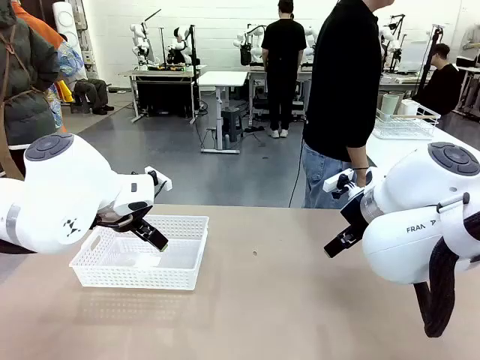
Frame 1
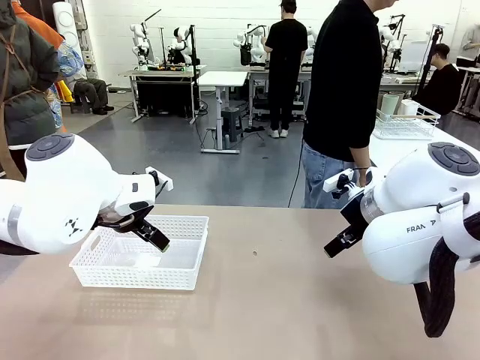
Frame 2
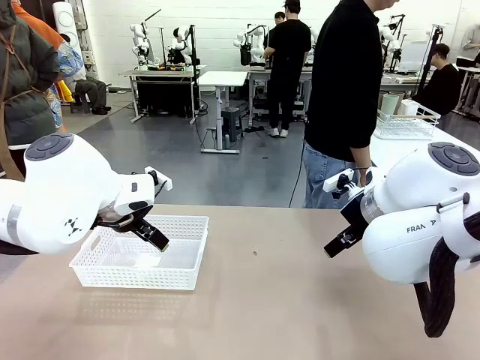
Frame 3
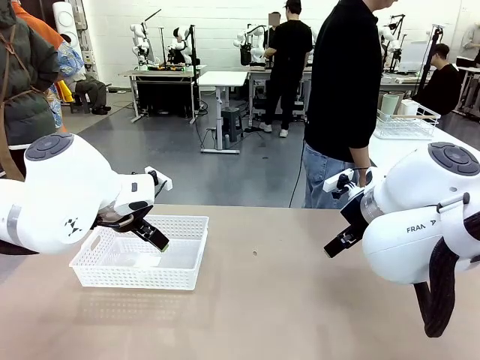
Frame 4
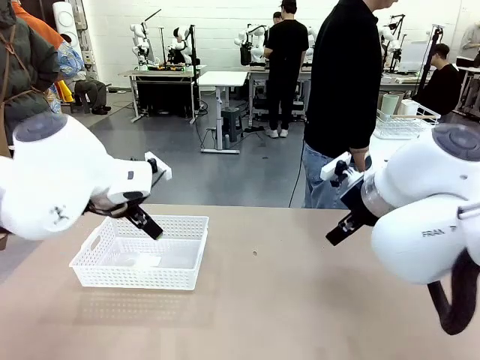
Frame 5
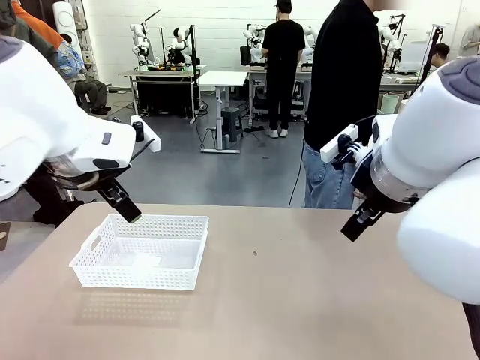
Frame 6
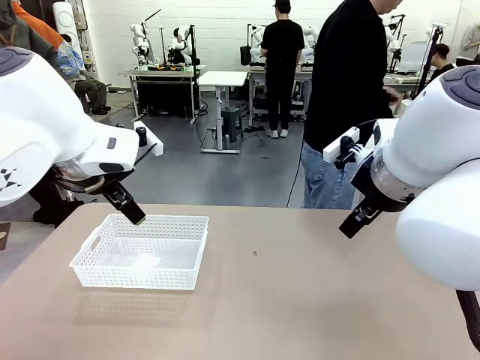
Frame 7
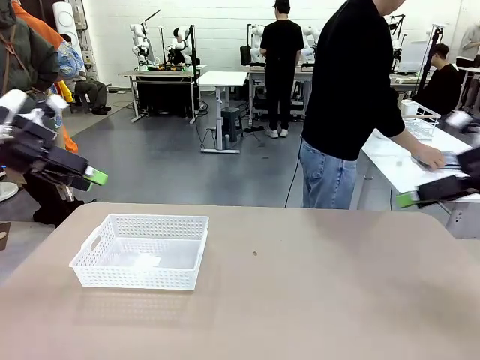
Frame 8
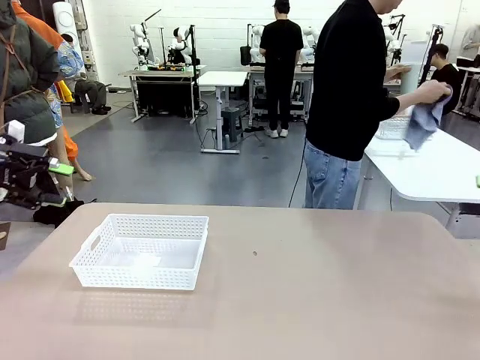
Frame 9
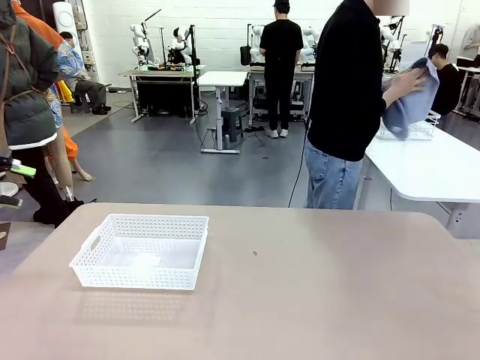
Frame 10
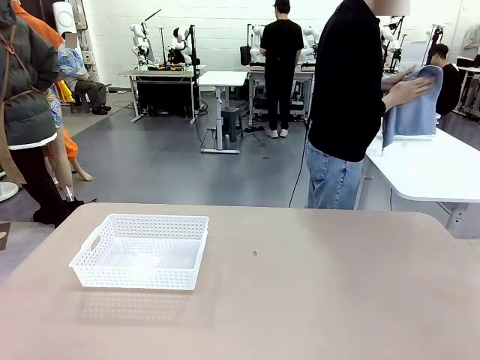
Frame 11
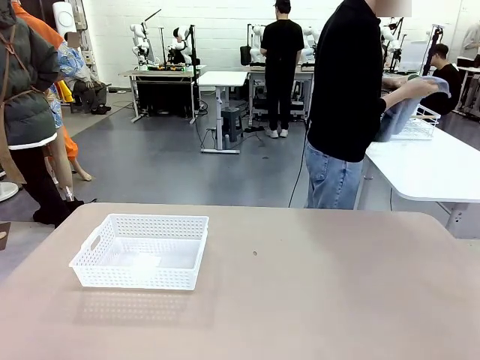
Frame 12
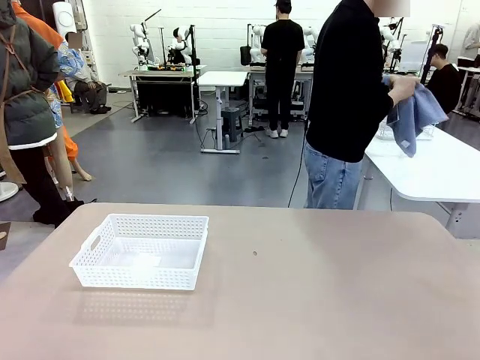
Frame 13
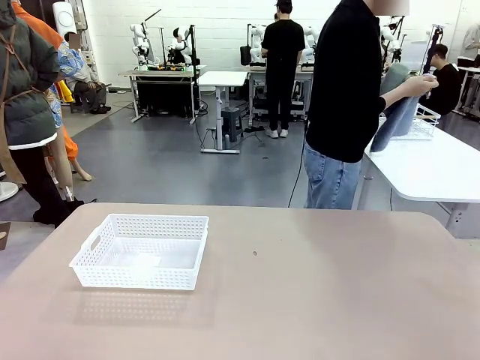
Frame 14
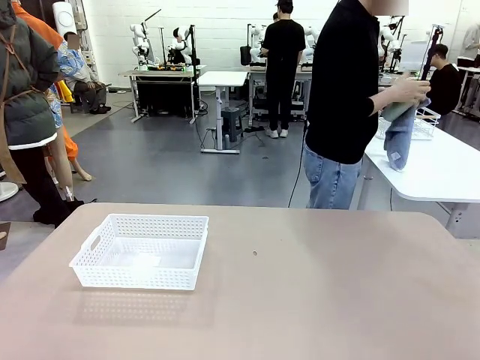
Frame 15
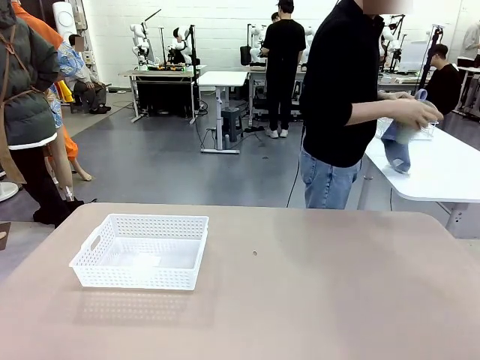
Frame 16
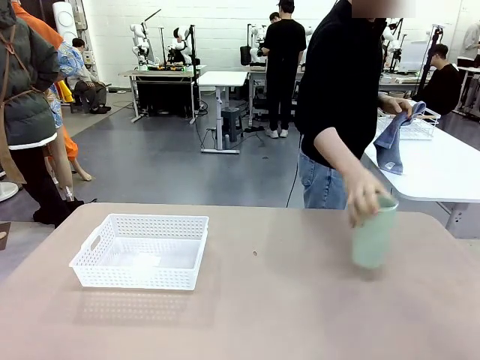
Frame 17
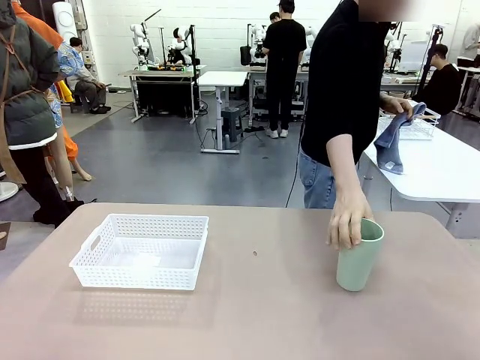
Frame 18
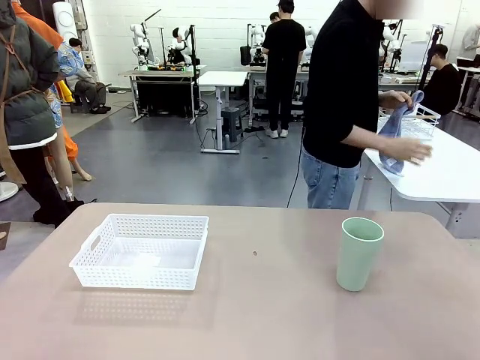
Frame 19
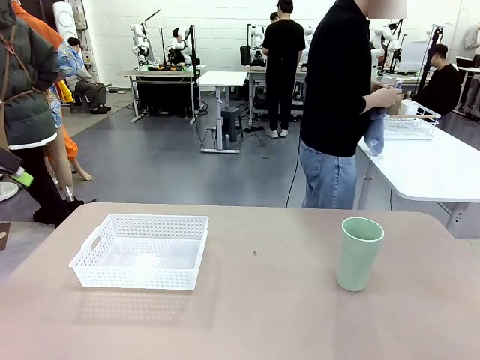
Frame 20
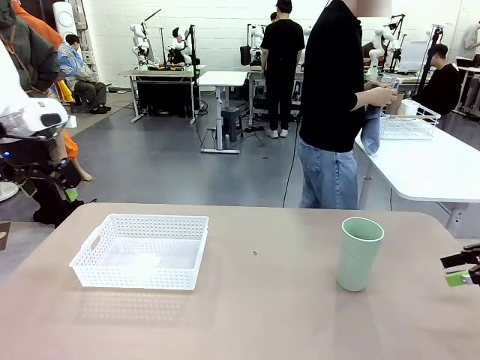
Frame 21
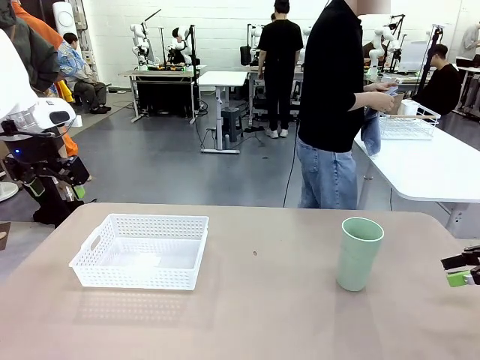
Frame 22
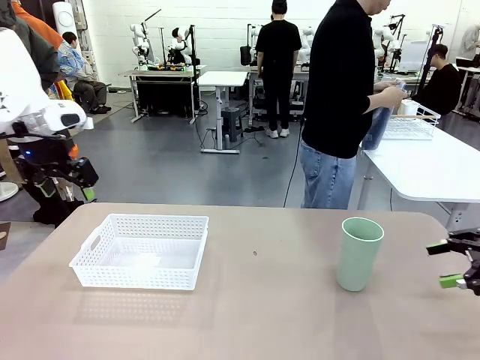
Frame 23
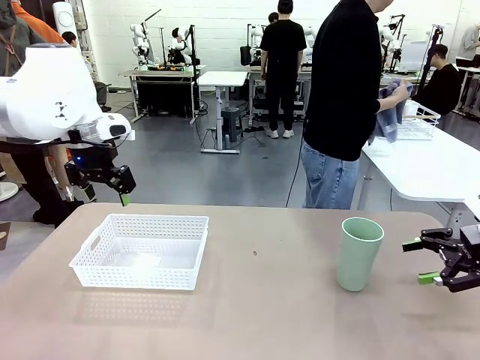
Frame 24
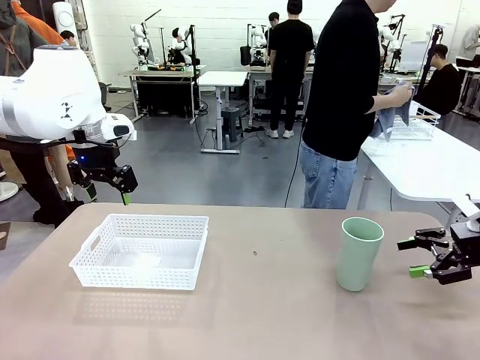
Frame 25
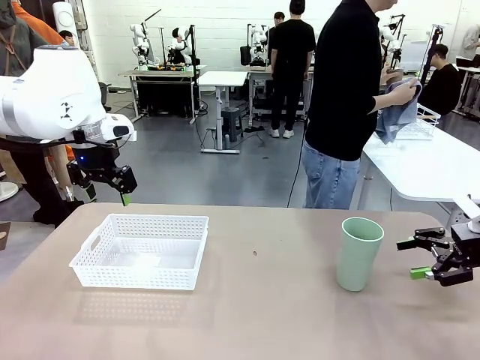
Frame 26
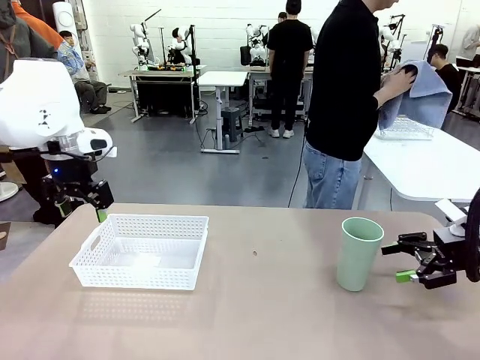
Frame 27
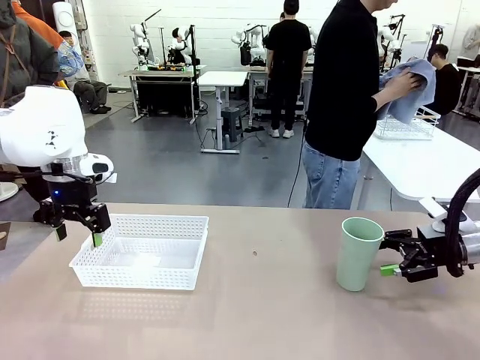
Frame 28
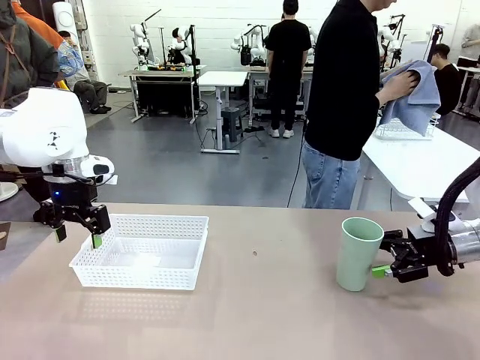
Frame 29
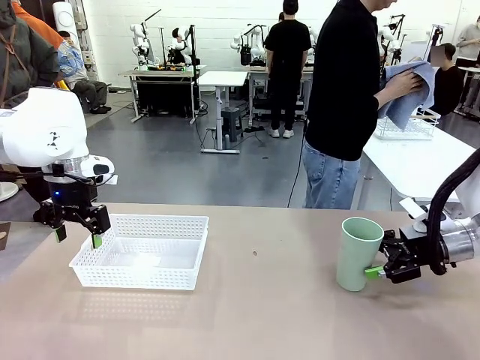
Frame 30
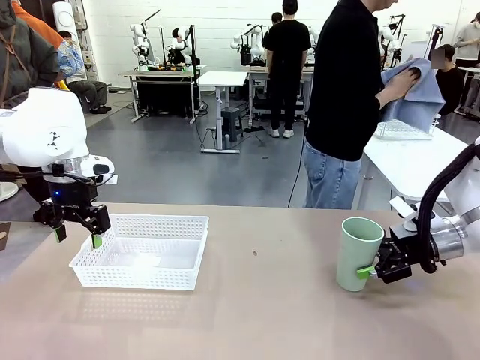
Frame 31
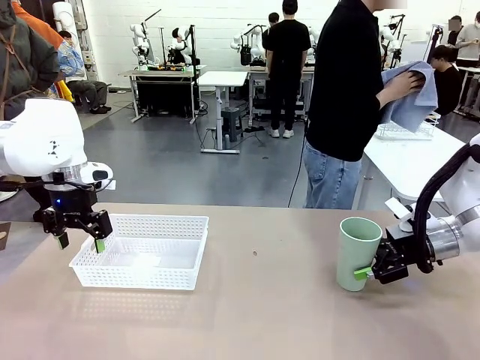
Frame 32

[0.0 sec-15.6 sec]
Task: Clean and organize the cups into the basket.
Robot: Pick up the Organizing basket and move it to the center of the table, then pick up the Reusable plastic cup from the right side of the table and place it inside the Organizing basket.
Person: Picks up a cup and a towel, cleans the cup with the towel, and places it on the left side of the robot table.
